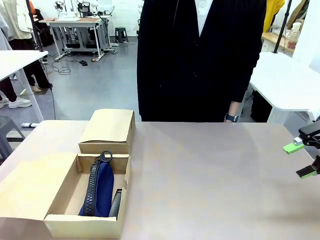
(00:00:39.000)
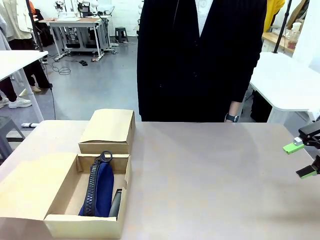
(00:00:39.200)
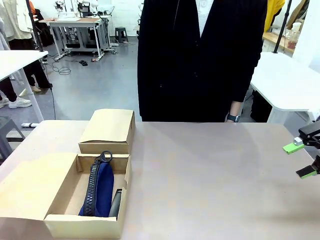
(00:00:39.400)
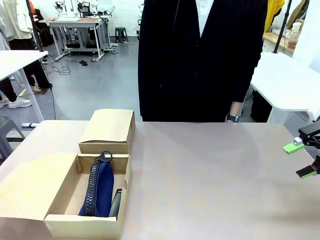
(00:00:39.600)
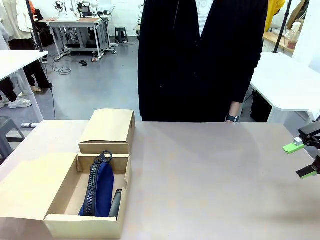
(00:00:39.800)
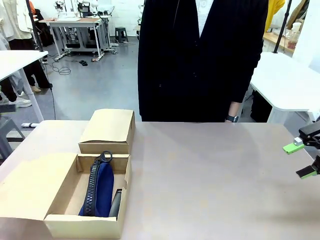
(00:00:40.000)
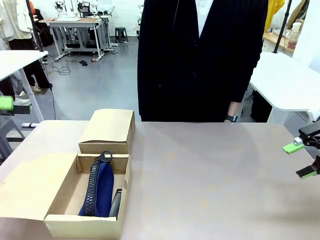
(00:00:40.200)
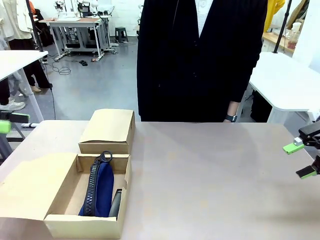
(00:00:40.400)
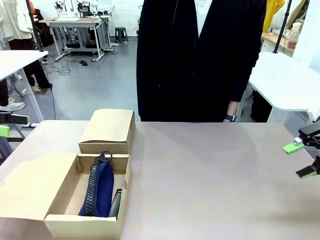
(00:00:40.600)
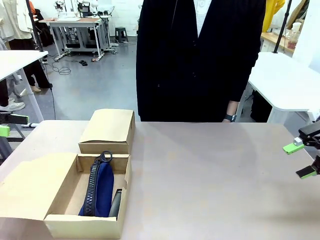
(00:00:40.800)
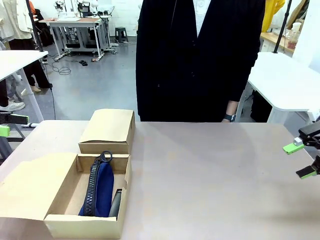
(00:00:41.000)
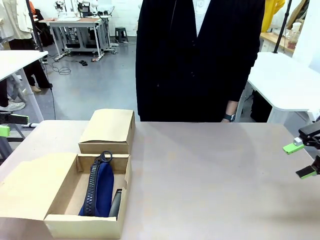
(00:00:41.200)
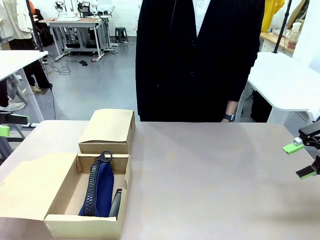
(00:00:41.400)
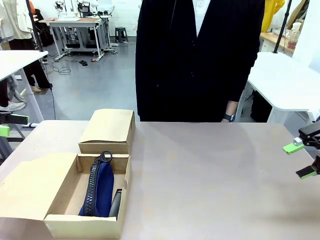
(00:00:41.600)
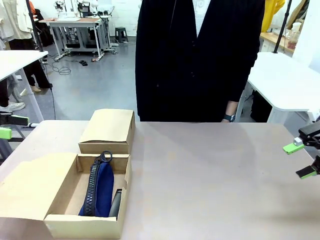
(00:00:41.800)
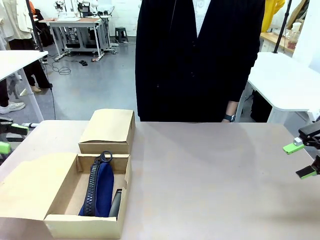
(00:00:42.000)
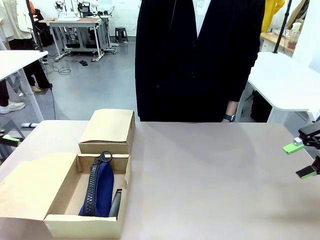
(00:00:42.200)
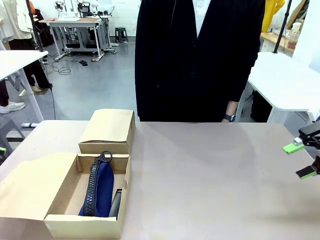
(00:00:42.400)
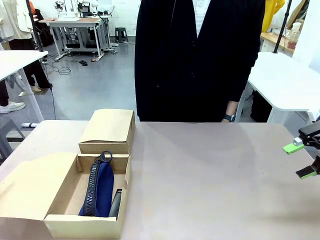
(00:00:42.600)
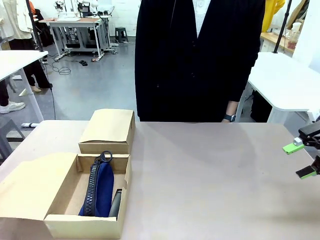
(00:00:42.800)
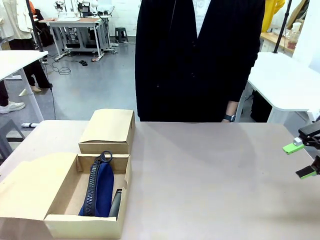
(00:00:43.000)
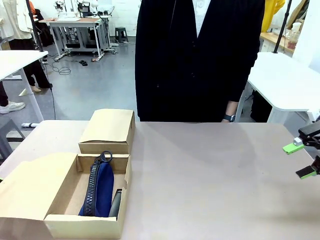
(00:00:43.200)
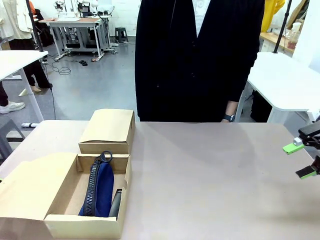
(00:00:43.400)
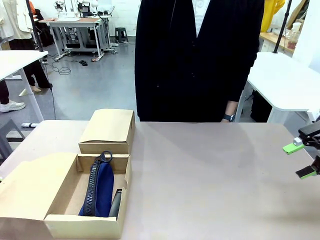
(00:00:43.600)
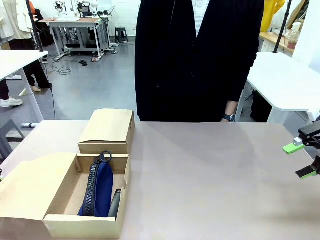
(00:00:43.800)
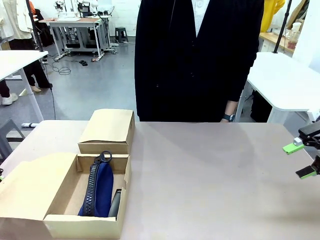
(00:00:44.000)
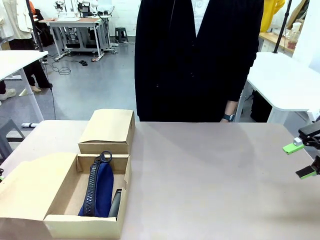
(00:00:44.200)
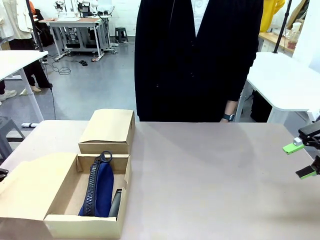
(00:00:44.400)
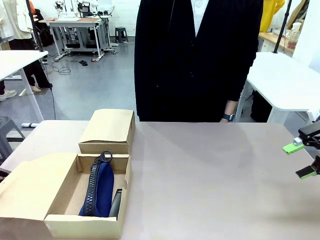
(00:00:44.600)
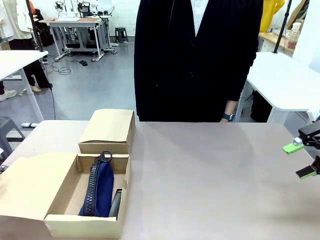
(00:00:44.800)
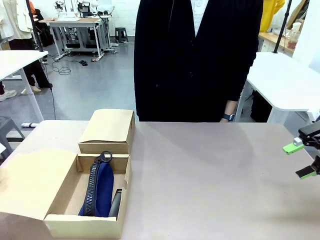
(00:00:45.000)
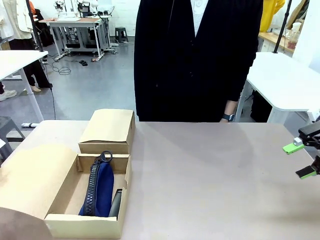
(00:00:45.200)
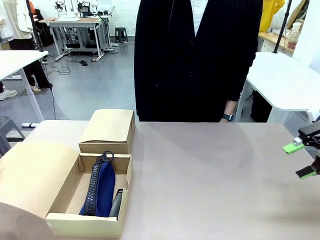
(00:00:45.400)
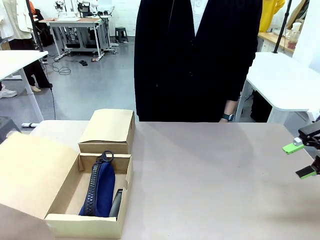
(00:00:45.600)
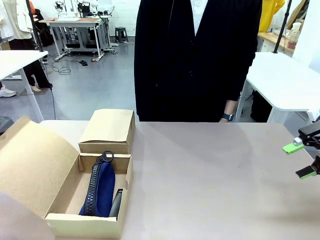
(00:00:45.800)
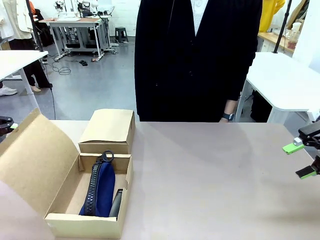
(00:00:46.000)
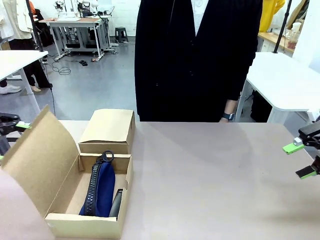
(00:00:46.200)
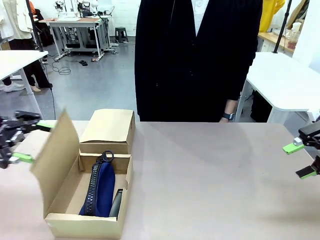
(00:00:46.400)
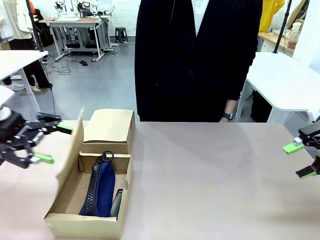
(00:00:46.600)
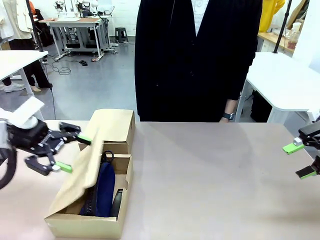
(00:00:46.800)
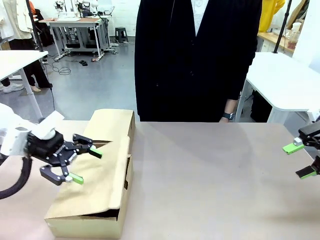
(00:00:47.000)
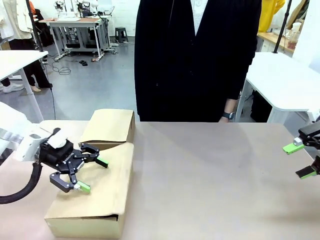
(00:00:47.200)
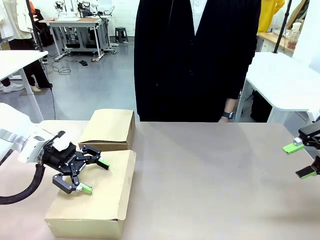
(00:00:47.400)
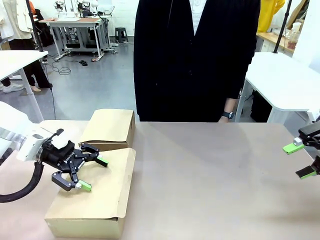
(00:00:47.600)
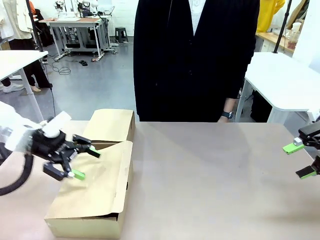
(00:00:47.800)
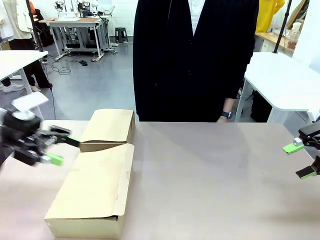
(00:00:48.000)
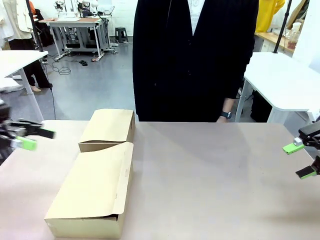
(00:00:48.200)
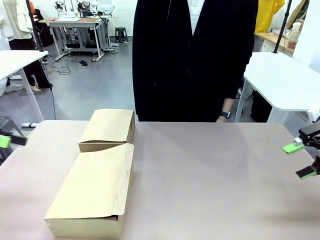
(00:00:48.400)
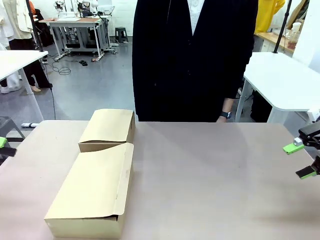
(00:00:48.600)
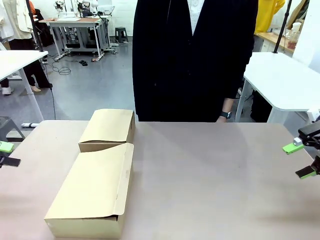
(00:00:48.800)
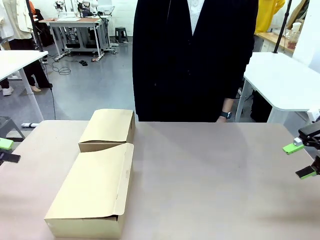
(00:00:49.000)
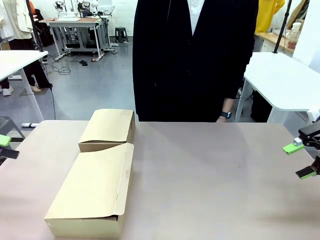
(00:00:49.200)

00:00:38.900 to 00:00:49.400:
Task: Place items inside the box.
Robot: Close the lid of the Mailer Box closest to the robot.

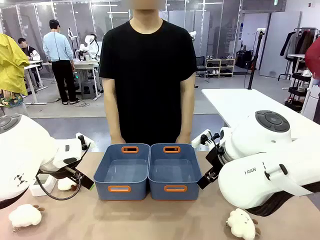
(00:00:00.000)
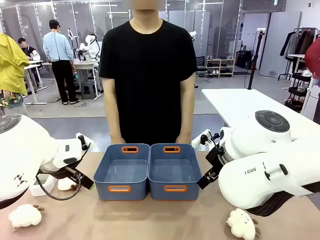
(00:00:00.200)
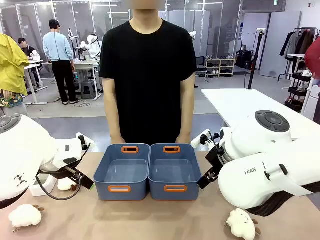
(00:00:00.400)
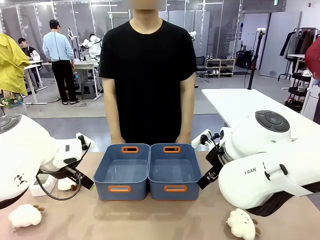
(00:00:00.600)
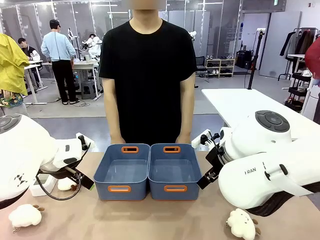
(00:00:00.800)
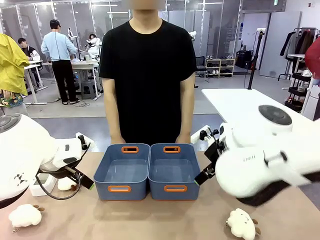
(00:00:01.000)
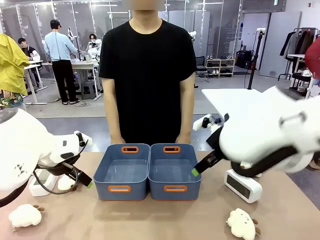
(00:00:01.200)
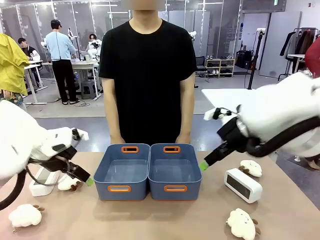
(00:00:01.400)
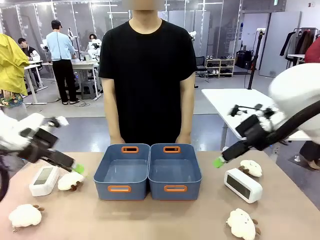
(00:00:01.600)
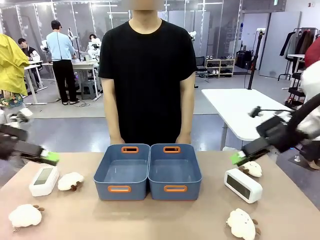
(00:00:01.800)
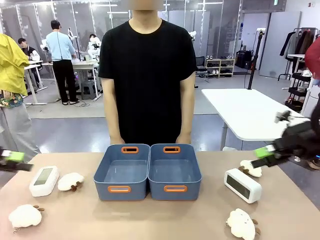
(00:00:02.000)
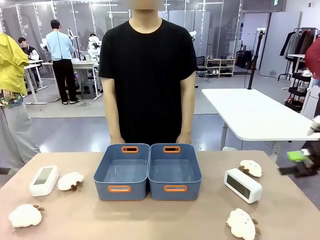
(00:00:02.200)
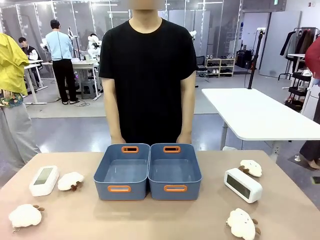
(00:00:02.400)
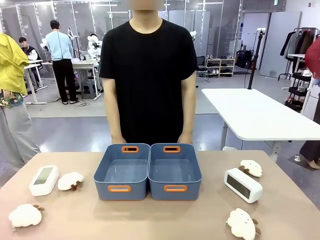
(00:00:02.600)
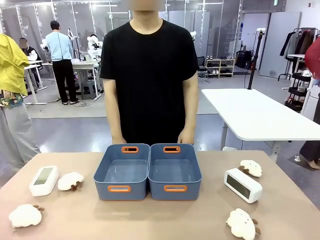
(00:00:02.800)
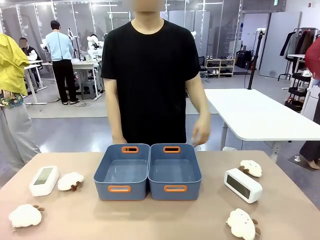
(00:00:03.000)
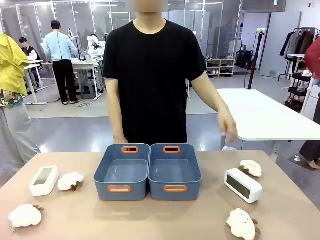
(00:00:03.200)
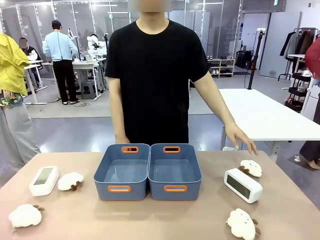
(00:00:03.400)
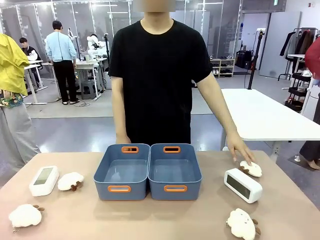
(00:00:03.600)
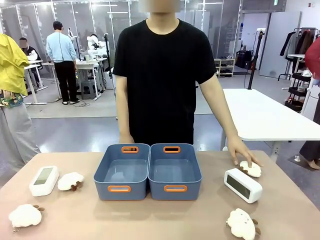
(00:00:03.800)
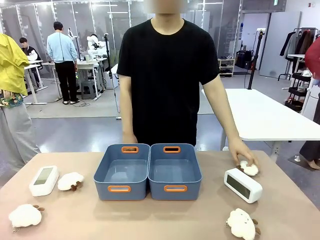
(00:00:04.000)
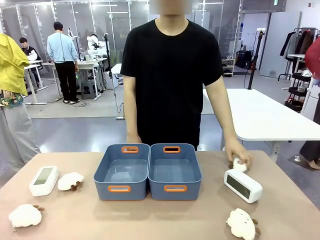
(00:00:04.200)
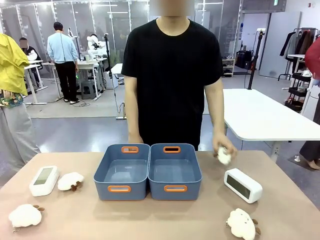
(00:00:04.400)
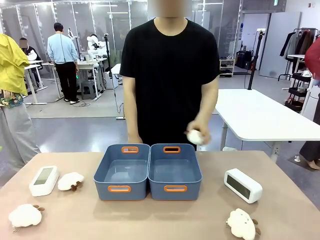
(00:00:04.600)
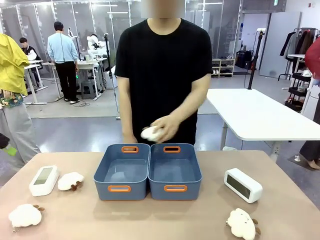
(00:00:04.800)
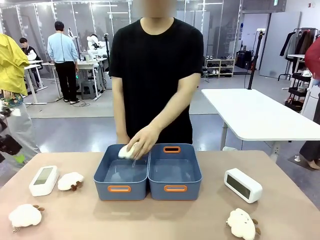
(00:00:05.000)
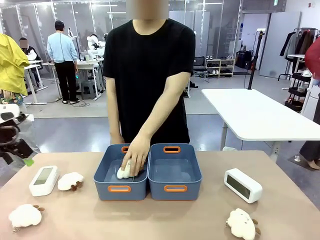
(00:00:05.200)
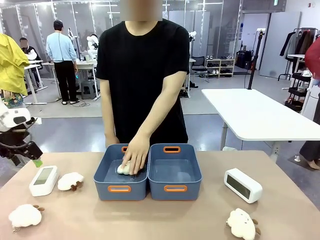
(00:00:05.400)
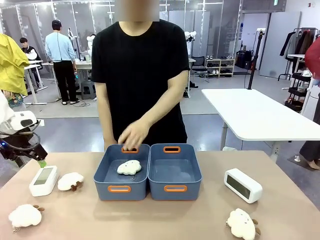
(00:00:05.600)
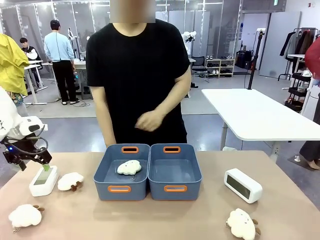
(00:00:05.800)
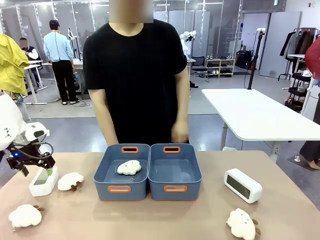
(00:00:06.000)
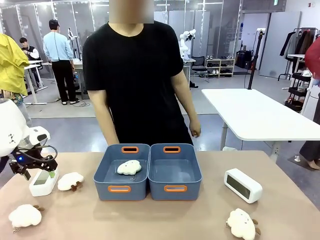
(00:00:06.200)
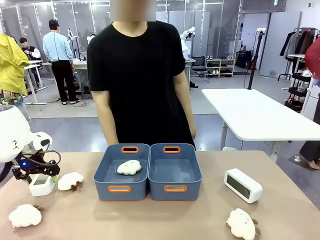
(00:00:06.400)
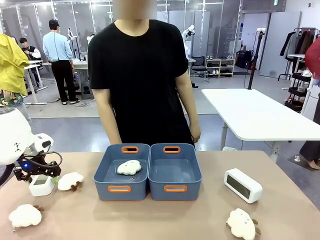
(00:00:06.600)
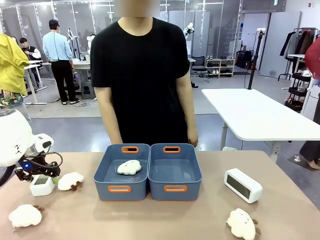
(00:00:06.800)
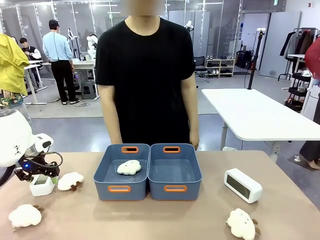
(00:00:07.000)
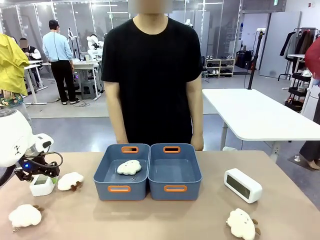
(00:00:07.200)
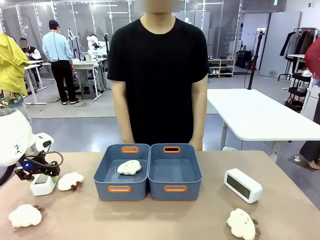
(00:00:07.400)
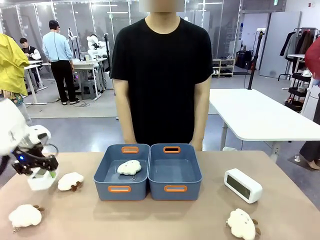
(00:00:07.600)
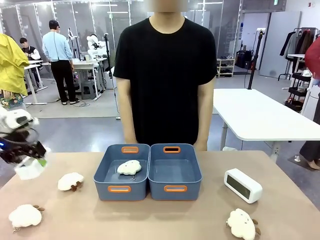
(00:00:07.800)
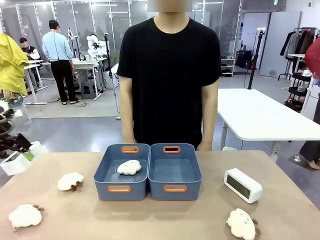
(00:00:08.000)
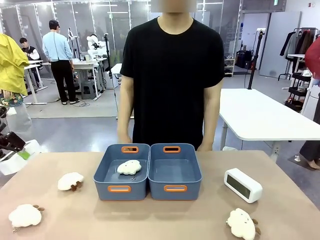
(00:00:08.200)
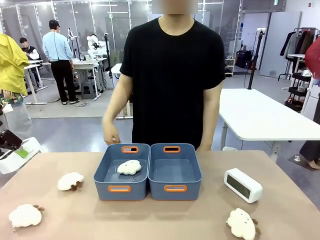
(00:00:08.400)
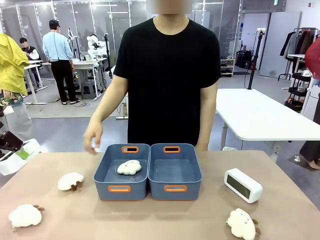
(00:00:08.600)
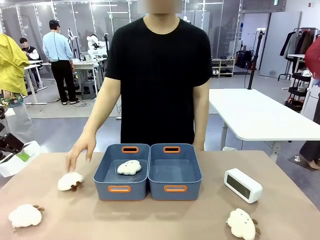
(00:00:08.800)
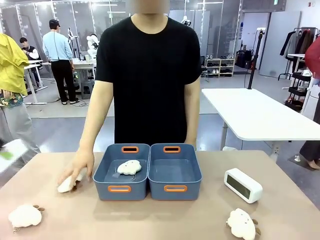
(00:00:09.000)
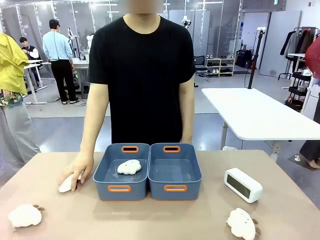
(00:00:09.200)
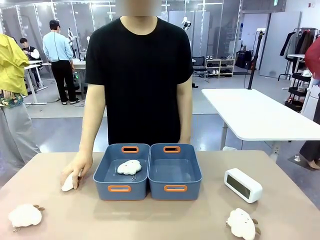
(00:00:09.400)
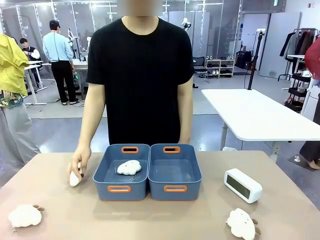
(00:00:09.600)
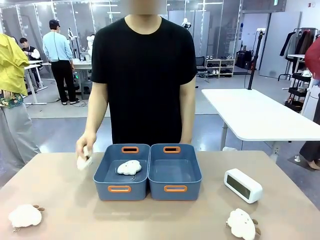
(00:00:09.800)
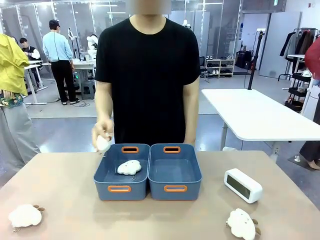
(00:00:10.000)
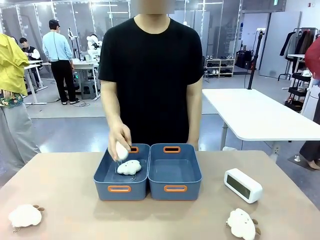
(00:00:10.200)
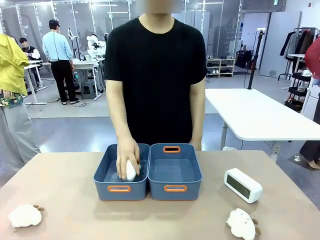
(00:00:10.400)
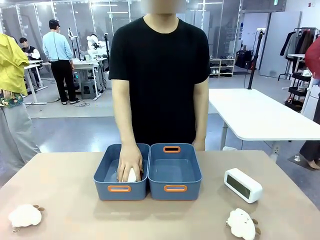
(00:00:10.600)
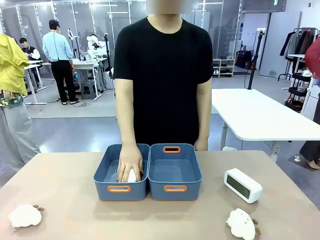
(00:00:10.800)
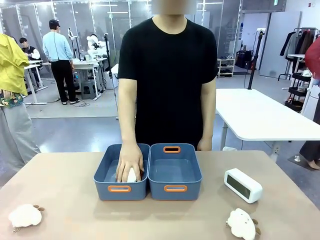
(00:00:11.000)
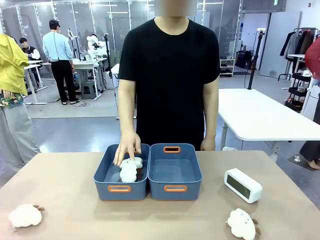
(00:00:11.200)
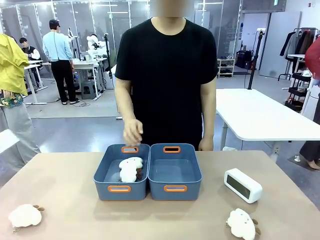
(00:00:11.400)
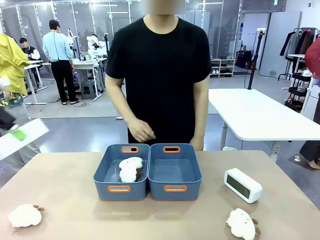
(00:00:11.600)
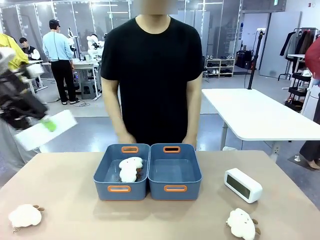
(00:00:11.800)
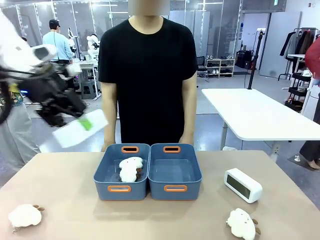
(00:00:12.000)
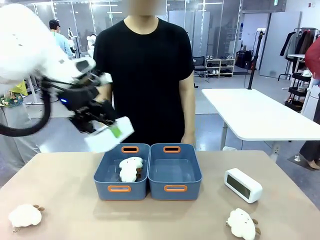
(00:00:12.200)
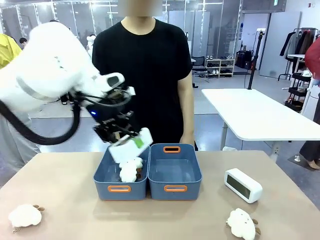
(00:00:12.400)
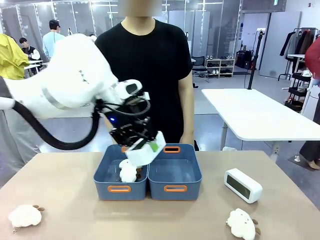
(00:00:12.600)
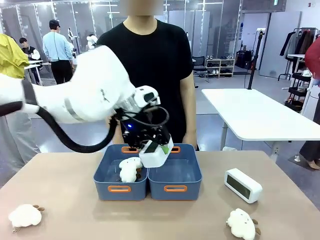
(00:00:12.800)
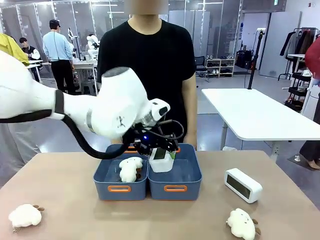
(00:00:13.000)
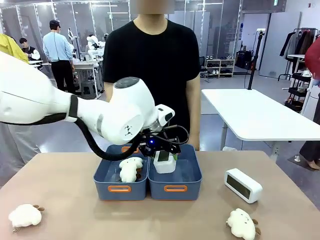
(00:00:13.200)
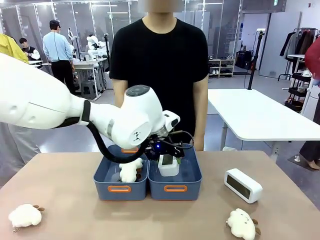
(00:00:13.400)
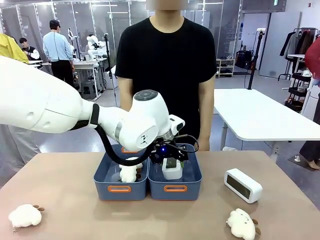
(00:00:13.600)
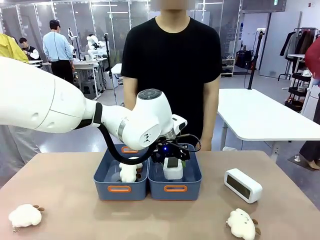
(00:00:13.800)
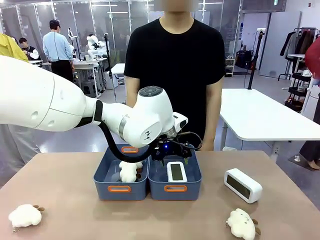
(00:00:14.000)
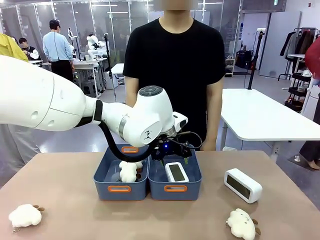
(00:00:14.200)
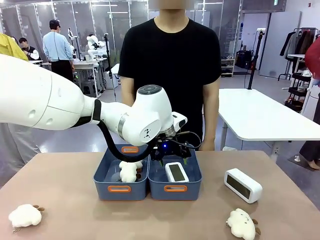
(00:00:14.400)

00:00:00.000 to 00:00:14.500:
Task: Sort the digital clocks into the basket.
Robot: Pick up the Digital clock from the table and place it into the empty Plastic storage basket.
Person: Pick up a plush toy from the table and place it in a plastic storage basket.
